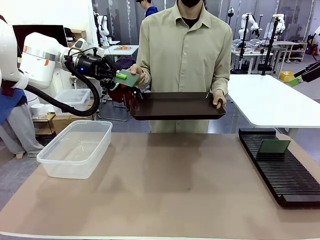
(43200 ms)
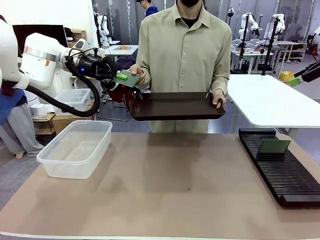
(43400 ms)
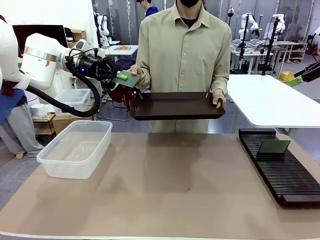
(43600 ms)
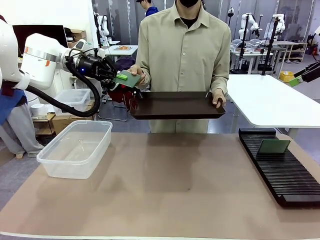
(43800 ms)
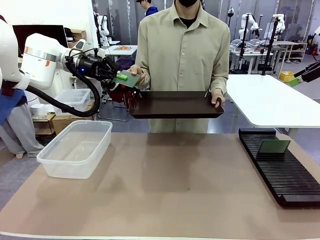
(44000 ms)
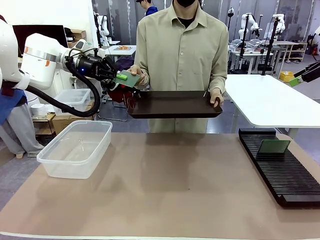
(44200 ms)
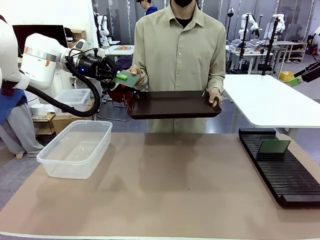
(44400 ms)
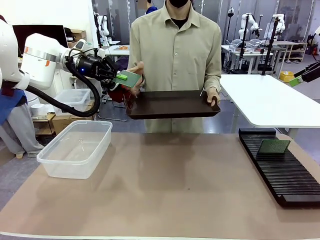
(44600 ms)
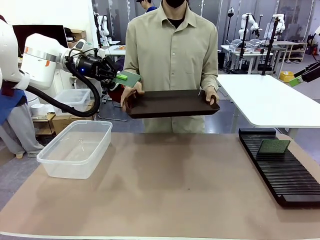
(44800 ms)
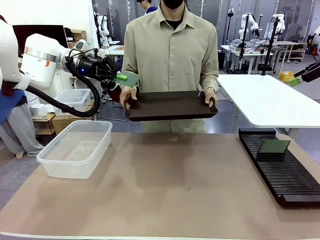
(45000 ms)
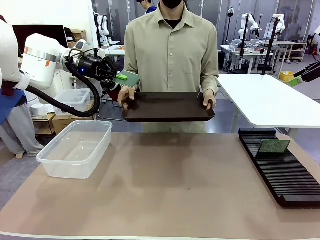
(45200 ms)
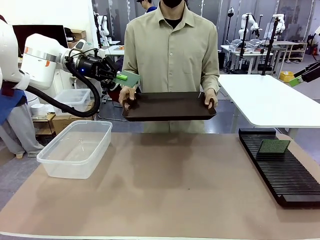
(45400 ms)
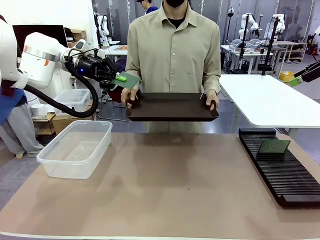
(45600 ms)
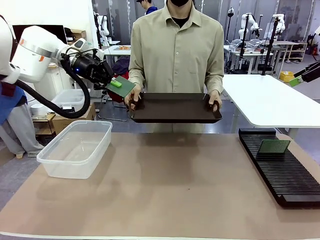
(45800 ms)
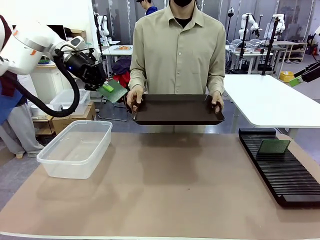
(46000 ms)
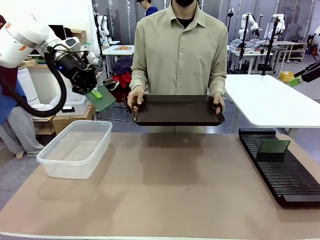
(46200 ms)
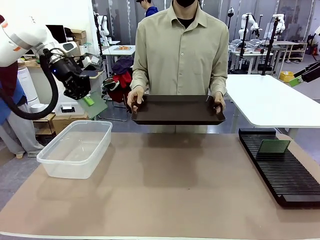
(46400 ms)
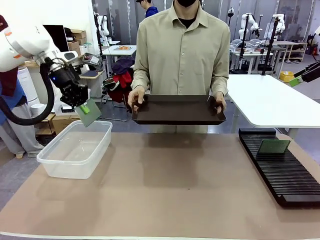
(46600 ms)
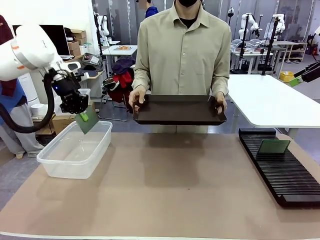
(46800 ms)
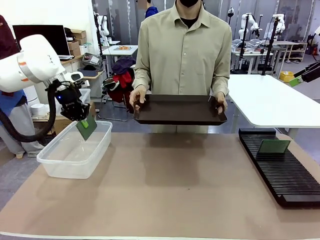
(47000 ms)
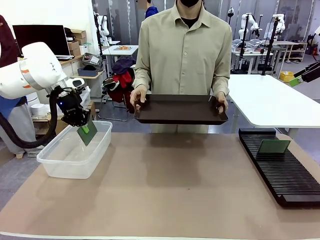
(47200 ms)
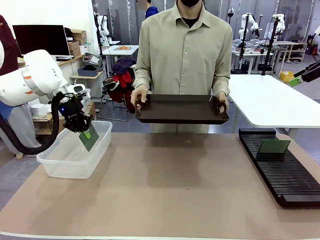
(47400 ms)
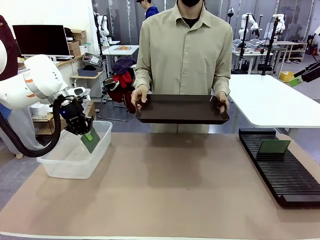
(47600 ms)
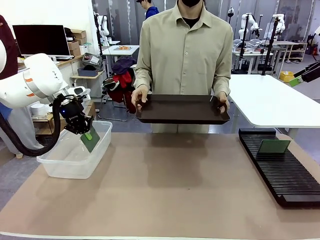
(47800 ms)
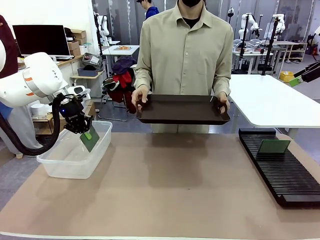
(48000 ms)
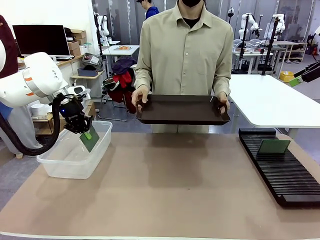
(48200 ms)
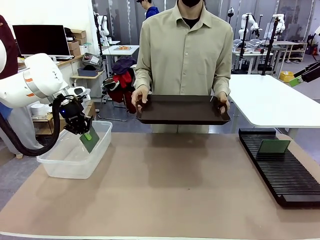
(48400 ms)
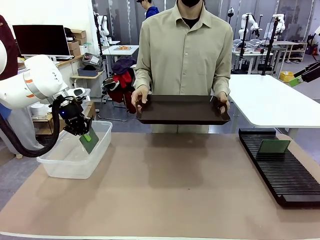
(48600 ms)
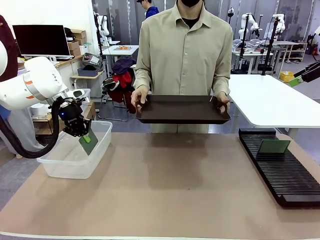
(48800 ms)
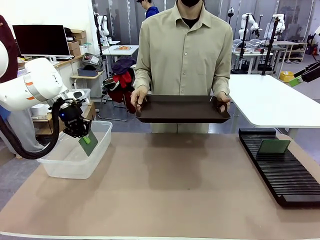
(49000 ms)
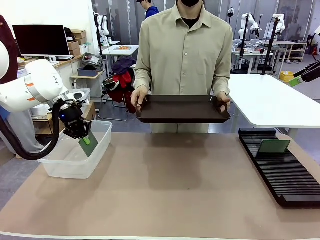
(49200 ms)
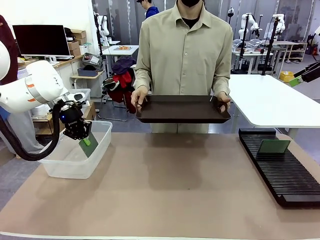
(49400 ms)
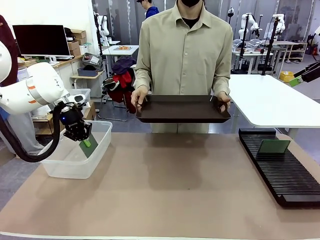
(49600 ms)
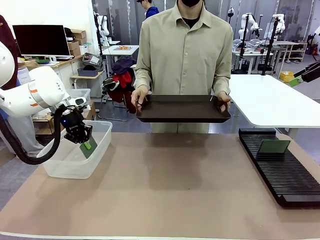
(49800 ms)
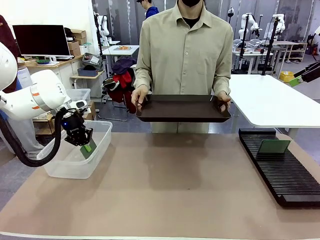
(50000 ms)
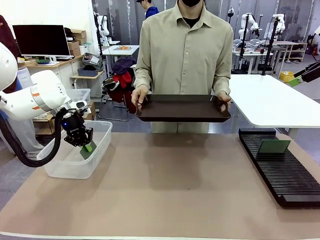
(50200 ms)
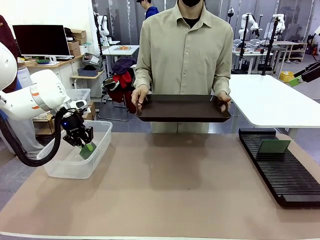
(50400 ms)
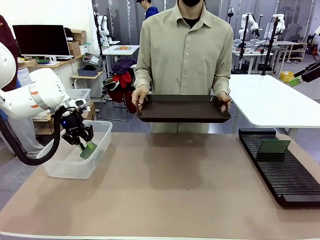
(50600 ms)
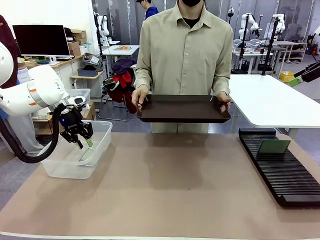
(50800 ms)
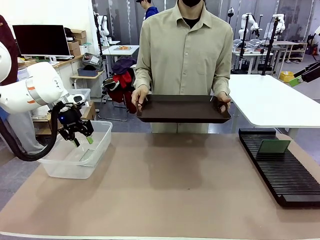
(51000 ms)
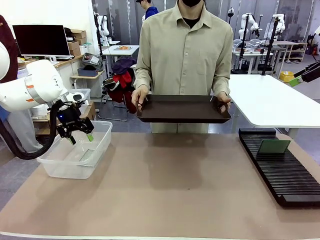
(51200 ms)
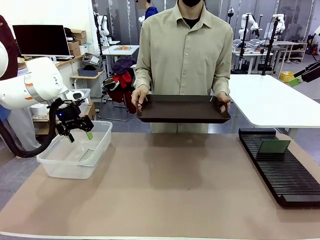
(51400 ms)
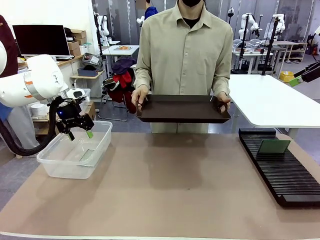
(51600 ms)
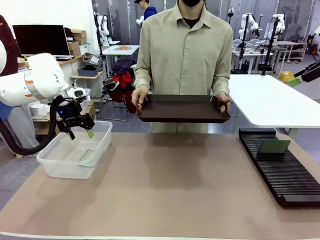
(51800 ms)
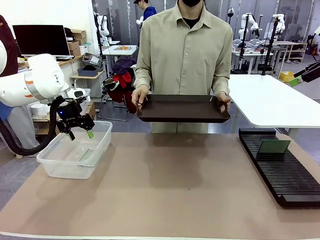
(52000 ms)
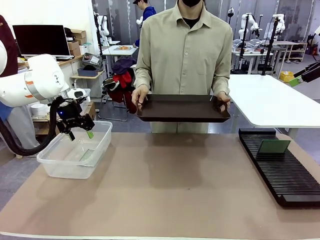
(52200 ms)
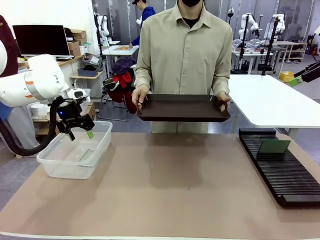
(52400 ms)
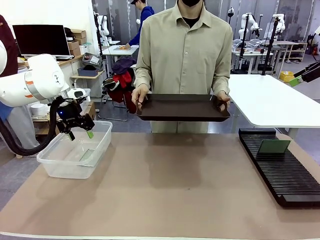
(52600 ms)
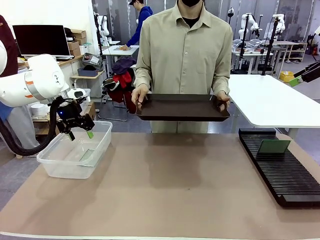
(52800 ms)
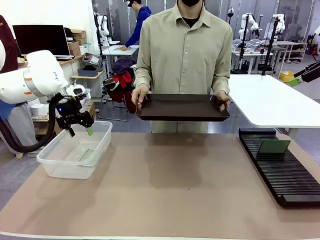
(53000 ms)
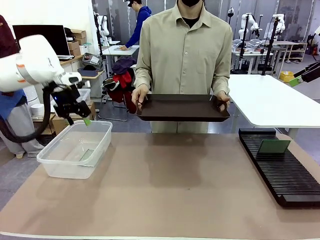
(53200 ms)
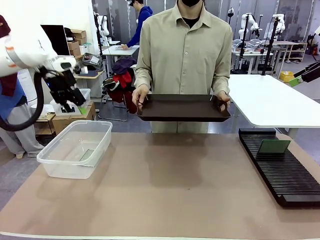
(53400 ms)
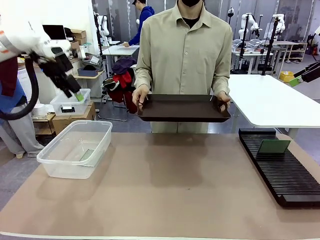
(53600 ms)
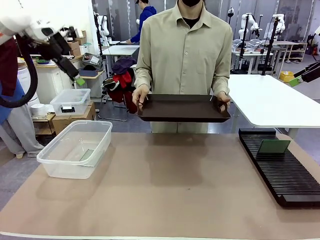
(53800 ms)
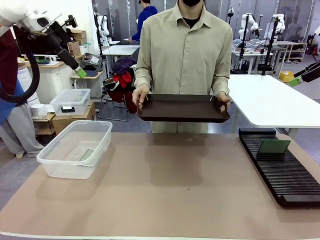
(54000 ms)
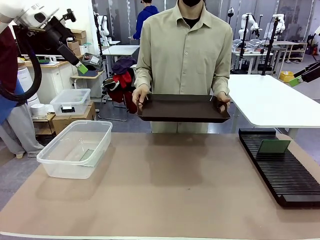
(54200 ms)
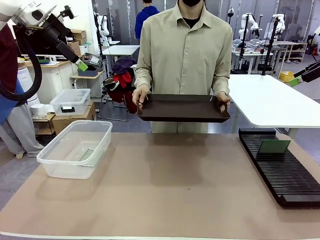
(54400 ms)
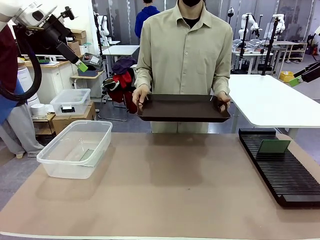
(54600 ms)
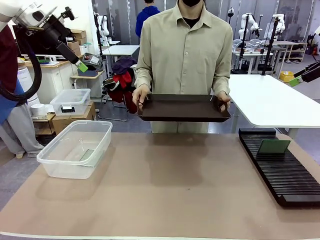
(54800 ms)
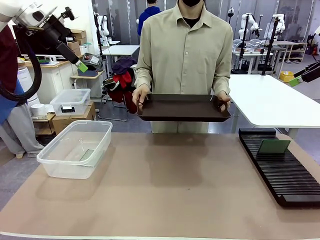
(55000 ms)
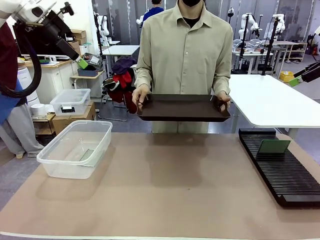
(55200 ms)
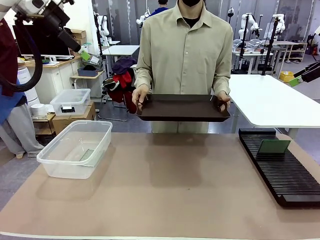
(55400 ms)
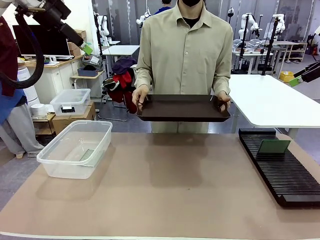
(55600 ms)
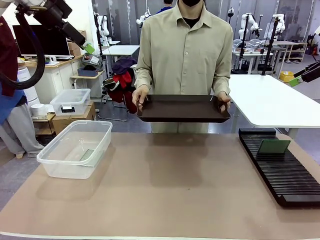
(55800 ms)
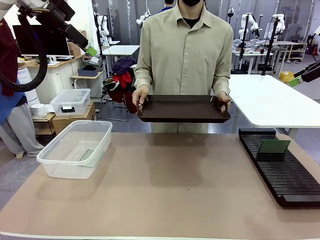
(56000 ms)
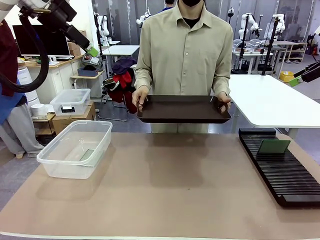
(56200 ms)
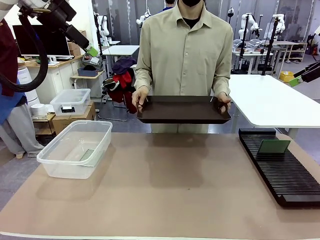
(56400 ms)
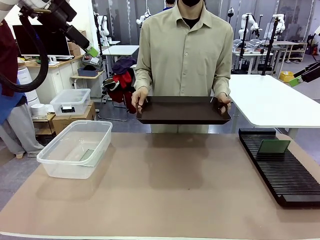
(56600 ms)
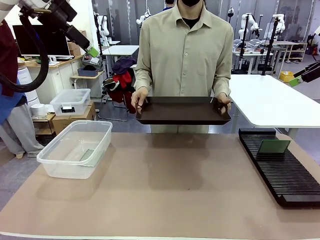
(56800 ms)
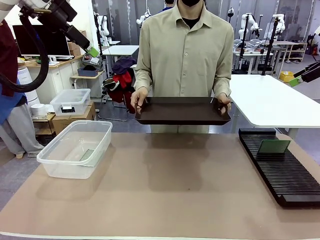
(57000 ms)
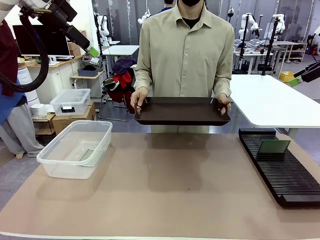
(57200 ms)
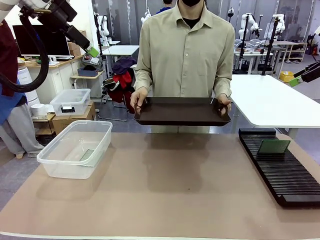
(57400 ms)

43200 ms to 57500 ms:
Task: Sort PCBs into racks and boxes based on the side picked up.
Robot: If the short side of the Blank PCB is picked up, insert it into the PCB Rack ; if the long side is picked up, place it in the Organizing box.
Person: Release the PCB being held.
